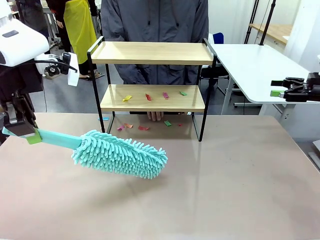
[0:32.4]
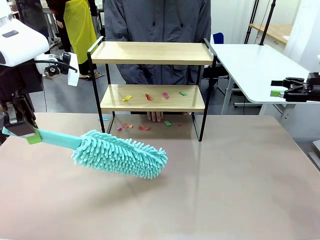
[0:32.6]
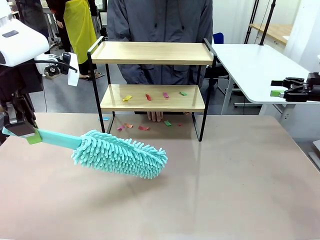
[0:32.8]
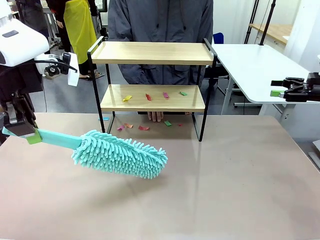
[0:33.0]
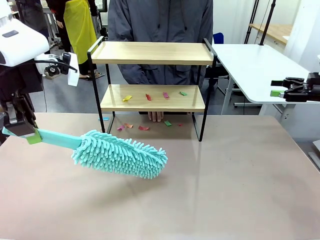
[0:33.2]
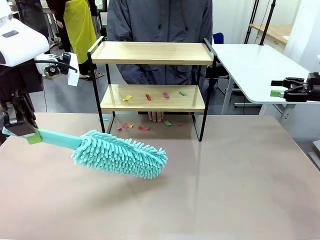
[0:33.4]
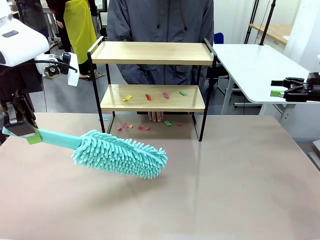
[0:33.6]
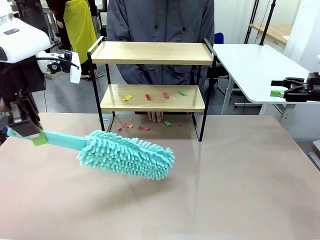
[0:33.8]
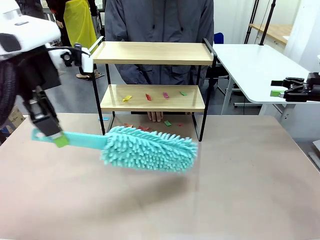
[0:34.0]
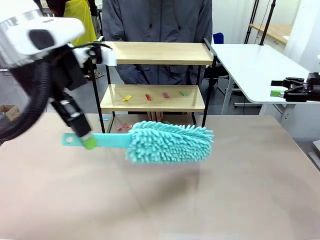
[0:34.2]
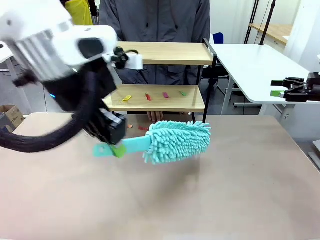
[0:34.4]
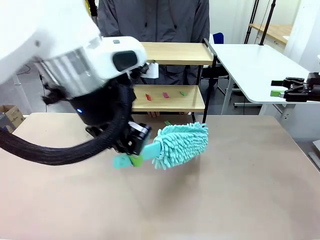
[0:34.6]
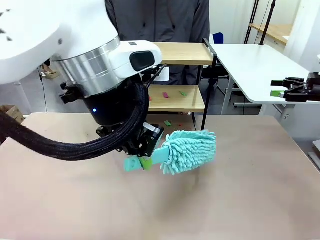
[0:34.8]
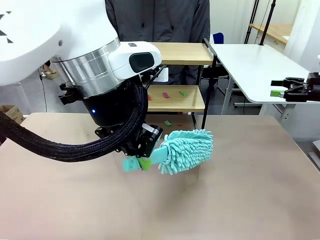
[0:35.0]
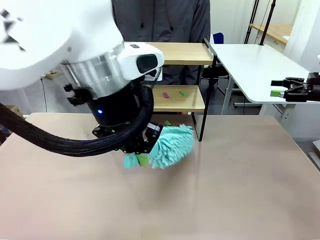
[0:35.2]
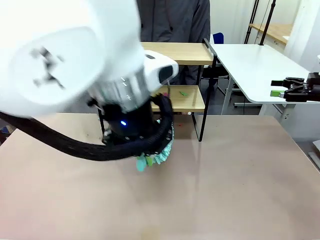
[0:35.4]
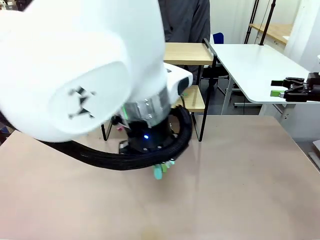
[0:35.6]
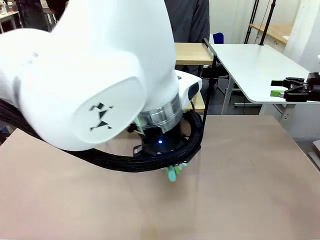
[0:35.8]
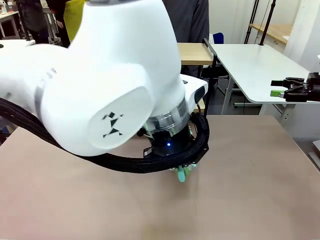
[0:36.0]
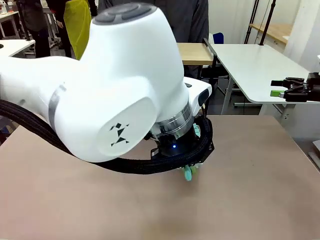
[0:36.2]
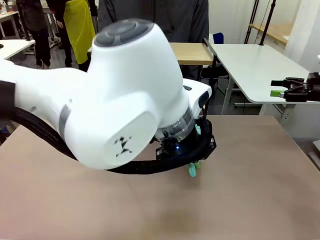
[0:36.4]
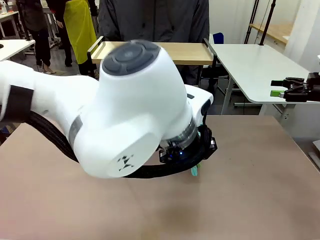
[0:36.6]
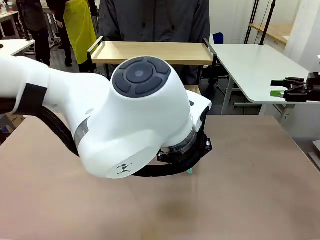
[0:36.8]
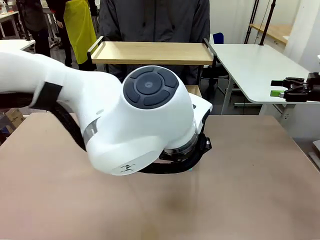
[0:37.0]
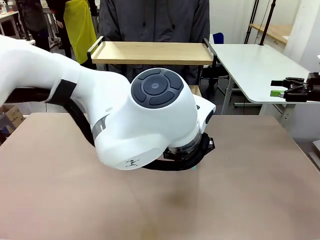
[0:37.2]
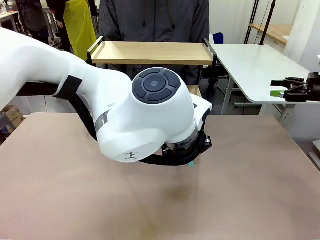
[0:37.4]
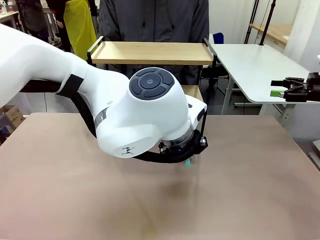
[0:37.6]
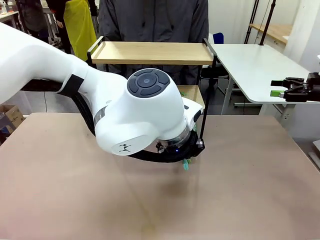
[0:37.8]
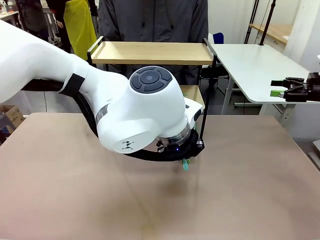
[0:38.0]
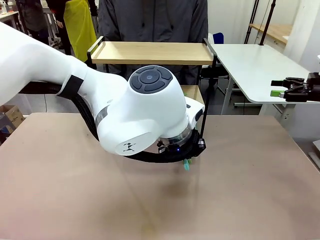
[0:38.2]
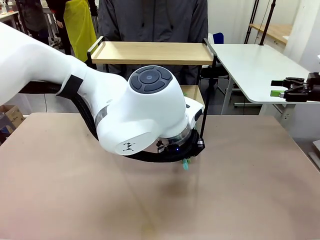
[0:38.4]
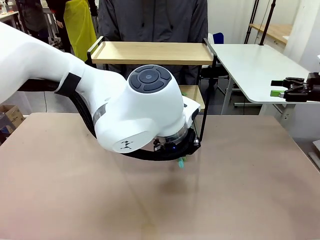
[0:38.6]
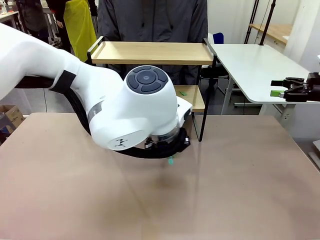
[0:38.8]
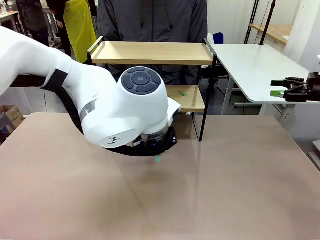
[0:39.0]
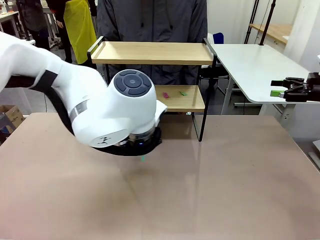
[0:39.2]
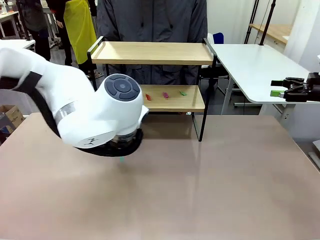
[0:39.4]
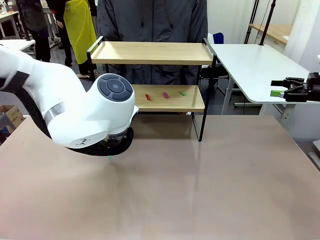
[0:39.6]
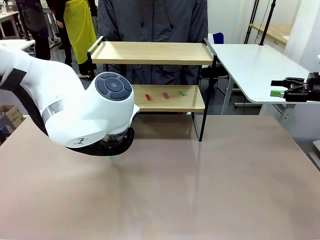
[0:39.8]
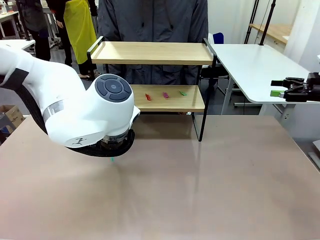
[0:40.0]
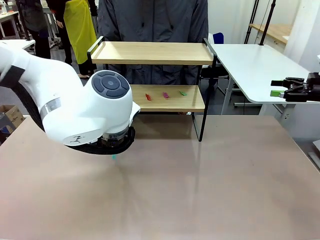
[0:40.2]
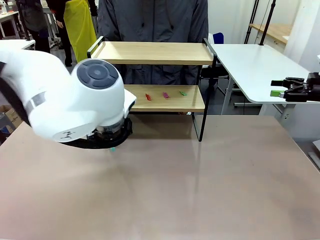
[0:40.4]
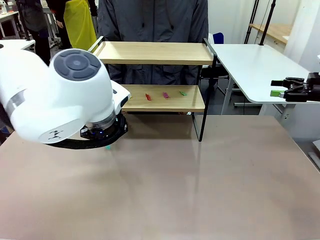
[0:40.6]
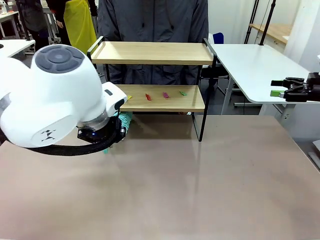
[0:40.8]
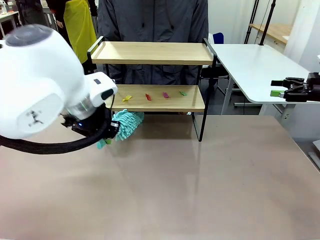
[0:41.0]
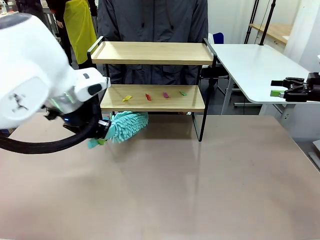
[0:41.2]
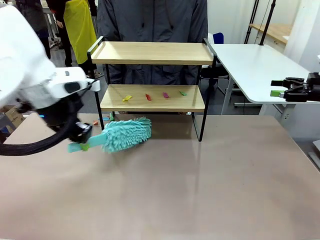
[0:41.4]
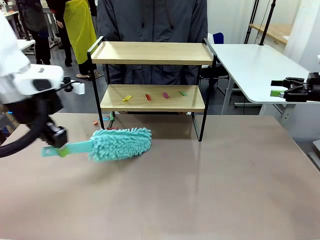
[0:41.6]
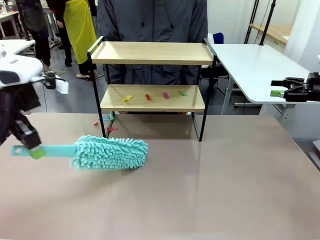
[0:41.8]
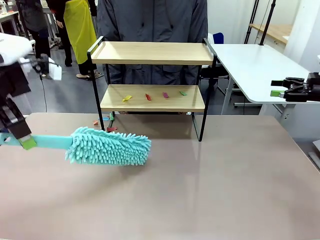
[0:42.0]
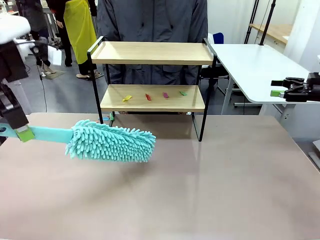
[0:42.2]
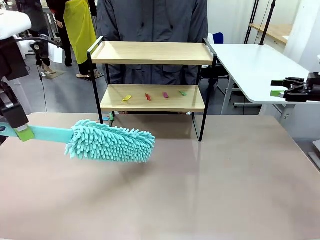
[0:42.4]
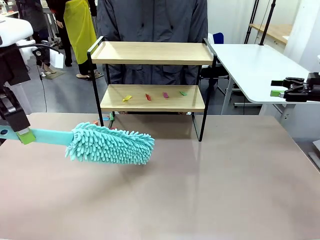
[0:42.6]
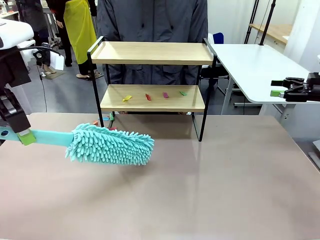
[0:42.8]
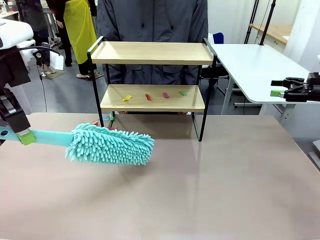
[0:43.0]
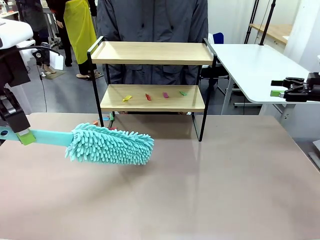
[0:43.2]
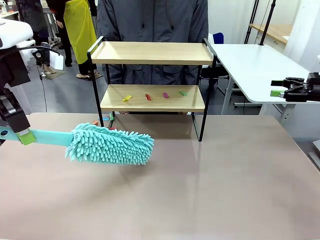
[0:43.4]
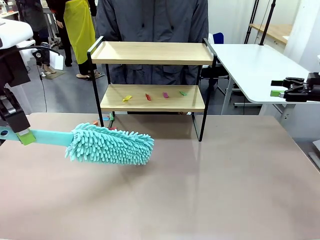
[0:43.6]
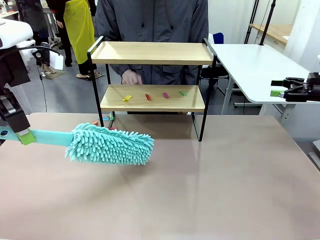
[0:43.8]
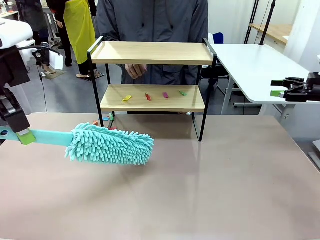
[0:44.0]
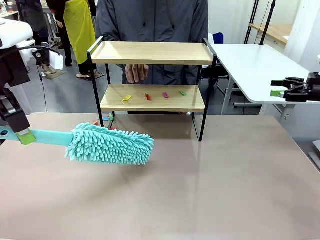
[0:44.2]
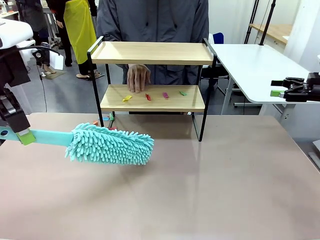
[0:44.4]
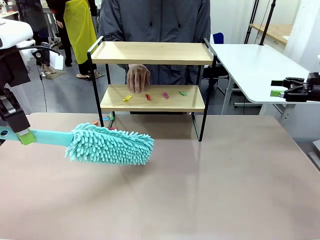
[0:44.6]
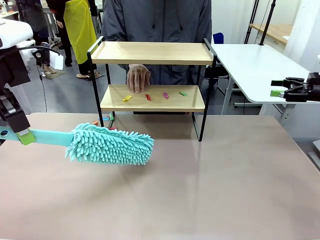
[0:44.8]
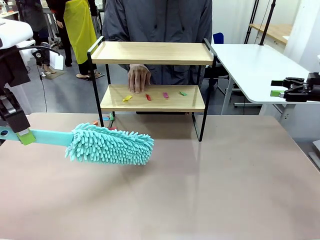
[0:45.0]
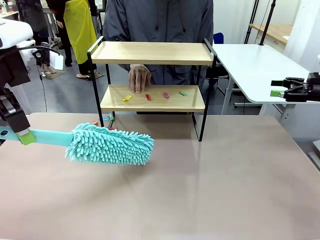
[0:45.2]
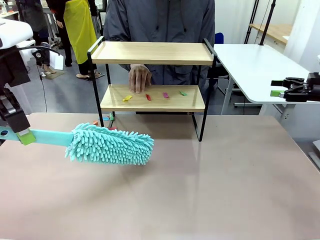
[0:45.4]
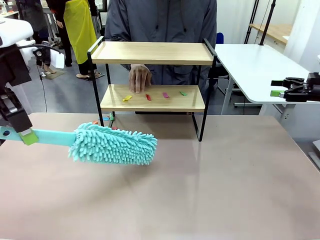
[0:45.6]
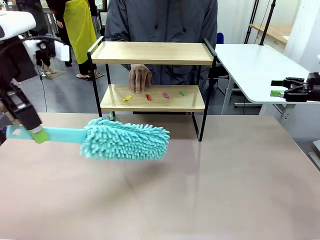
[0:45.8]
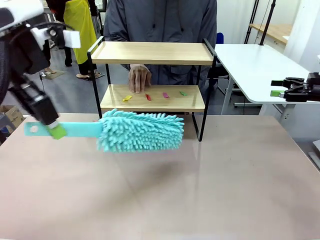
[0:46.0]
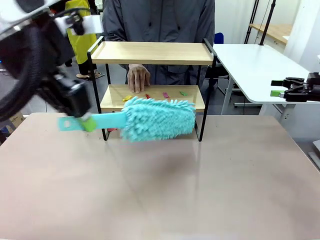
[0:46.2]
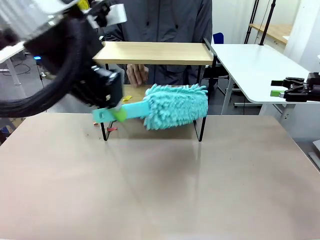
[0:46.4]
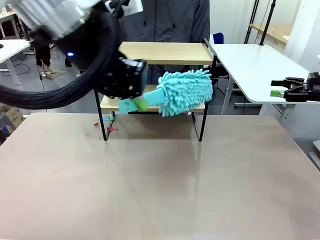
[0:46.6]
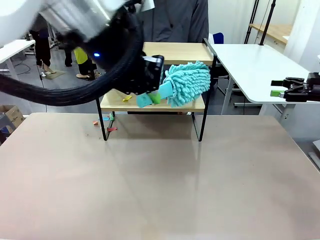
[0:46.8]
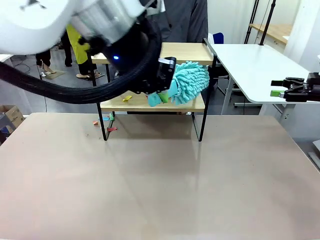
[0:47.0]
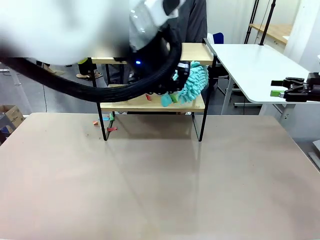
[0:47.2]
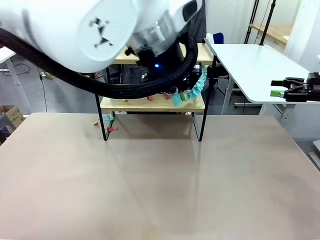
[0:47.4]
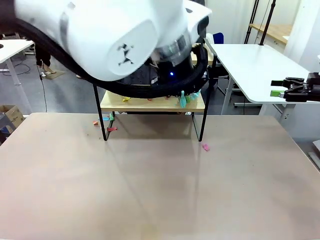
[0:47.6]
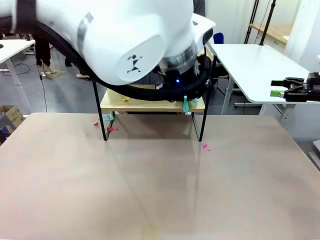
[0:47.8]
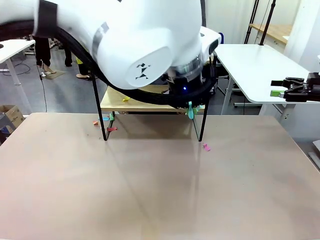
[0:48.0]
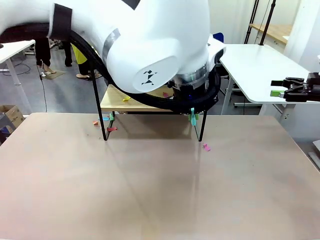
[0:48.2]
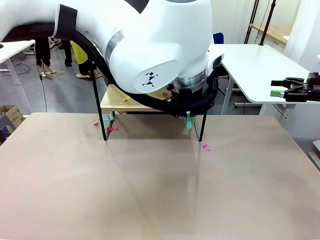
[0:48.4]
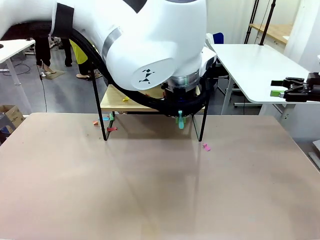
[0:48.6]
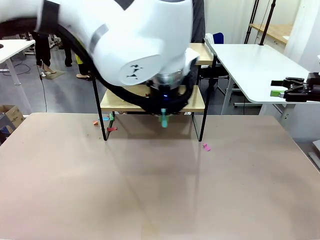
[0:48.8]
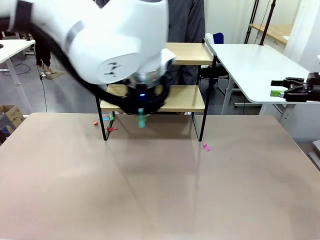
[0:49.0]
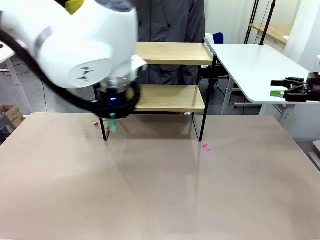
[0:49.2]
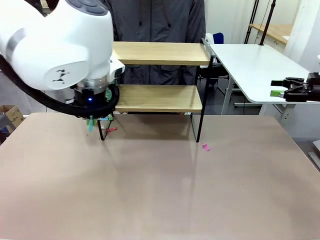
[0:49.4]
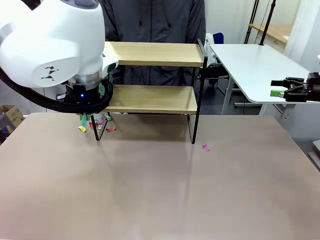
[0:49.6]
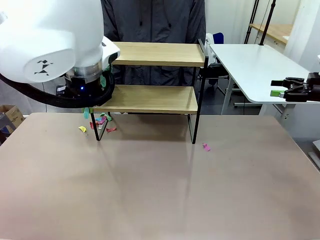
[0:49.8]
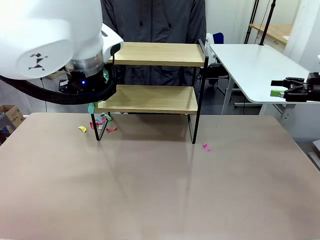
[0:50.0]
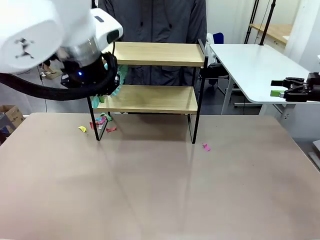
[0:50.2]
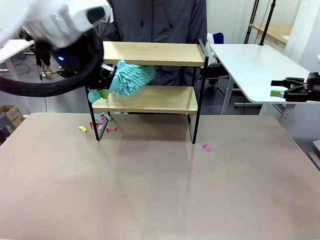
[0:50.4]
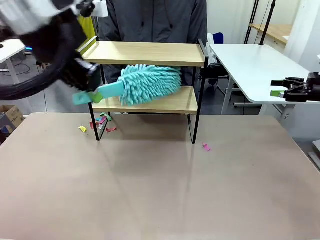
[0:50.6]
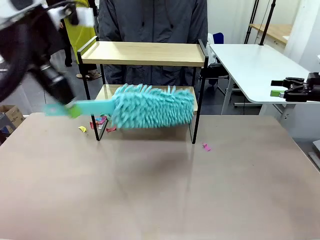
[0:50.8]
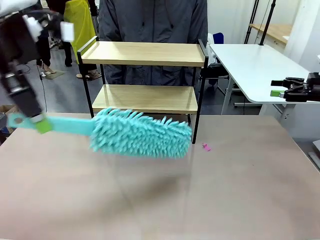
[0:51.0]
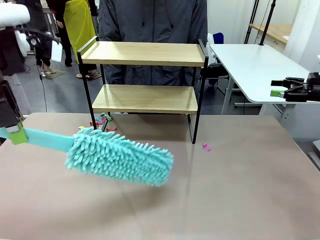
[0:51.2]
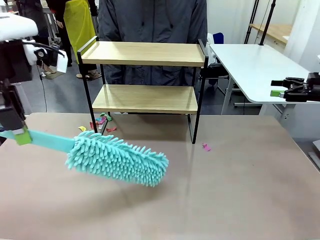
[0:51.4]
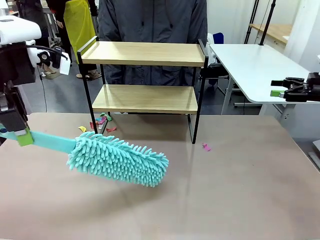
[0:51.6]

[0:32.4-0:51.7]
Task: Clean the shelf.
Robot: Clean the specific section of the Shelf indicated by the human with the Duster.
Person: Point a remaining section of the Shelf.
